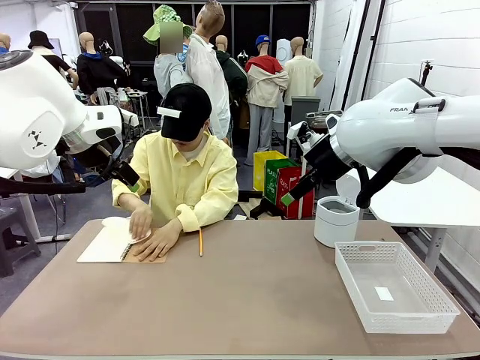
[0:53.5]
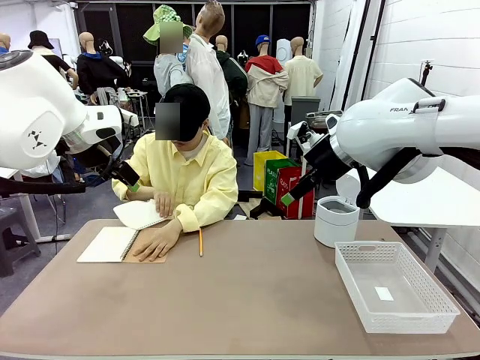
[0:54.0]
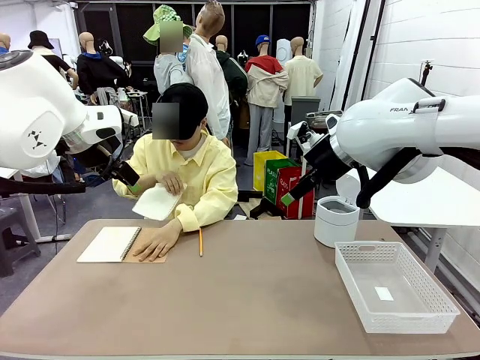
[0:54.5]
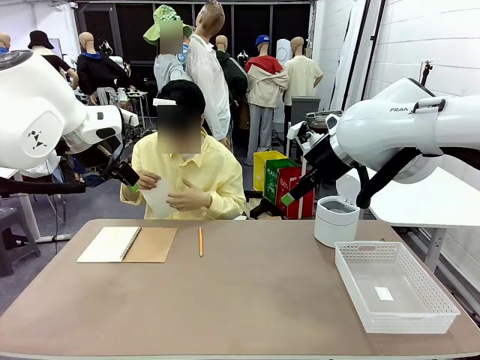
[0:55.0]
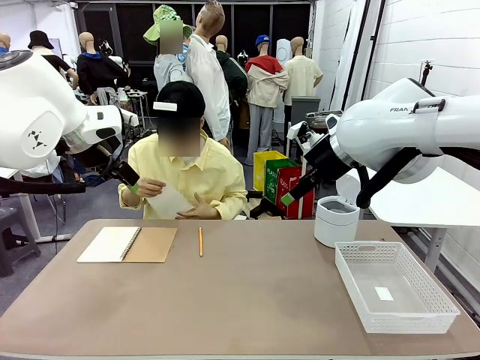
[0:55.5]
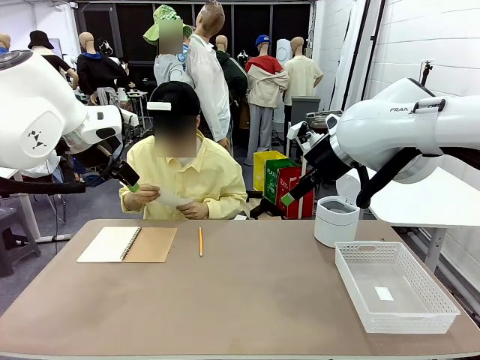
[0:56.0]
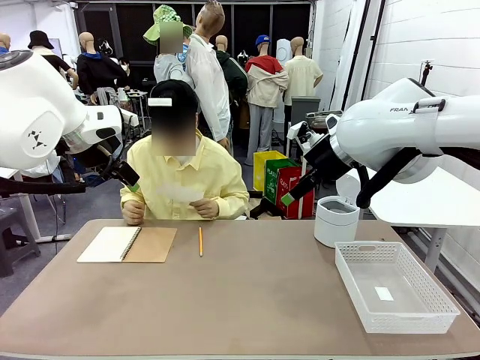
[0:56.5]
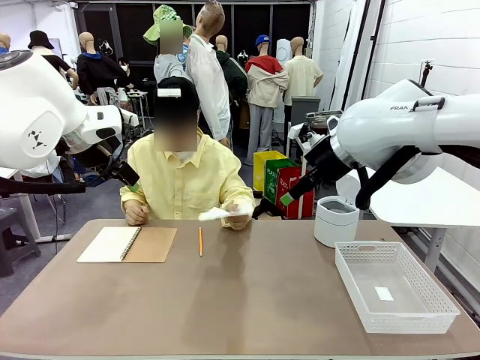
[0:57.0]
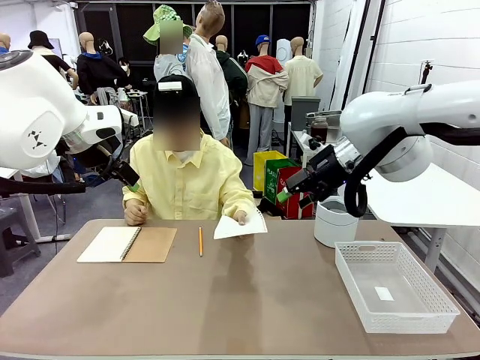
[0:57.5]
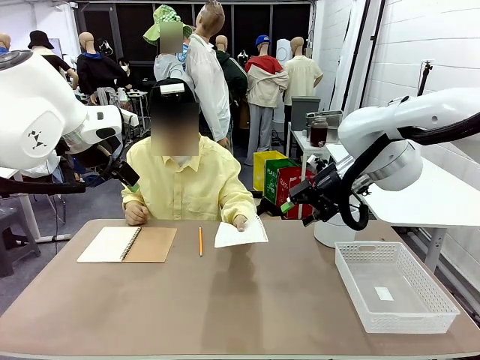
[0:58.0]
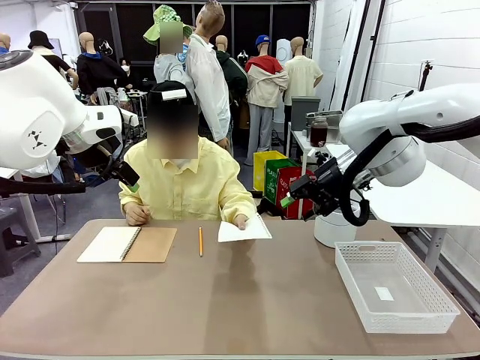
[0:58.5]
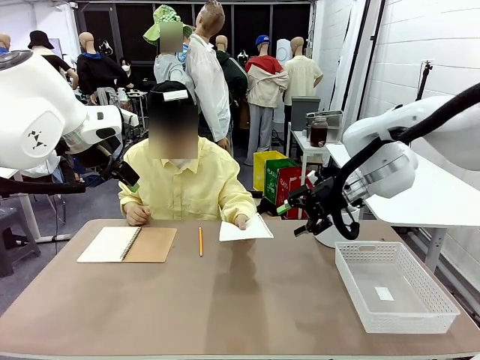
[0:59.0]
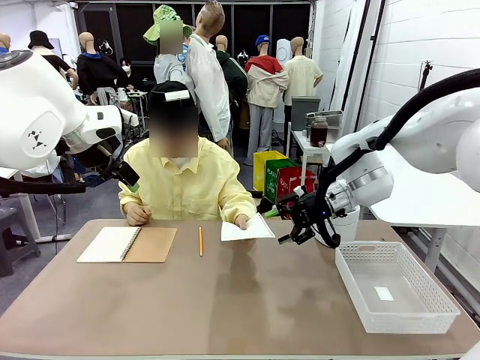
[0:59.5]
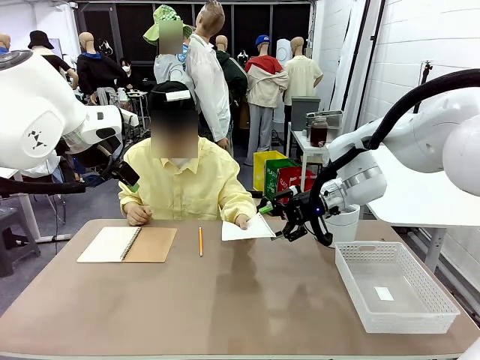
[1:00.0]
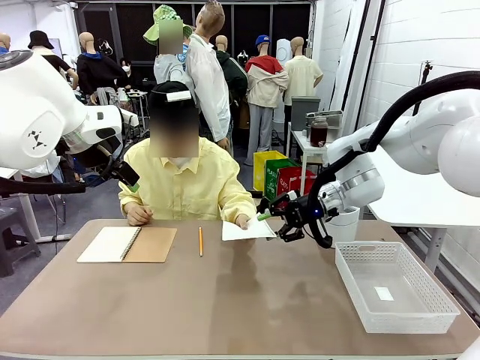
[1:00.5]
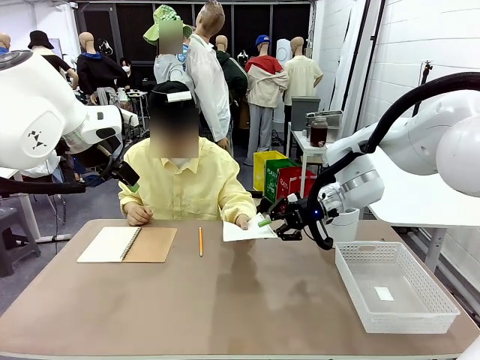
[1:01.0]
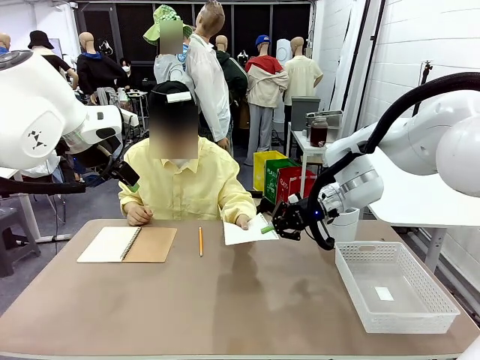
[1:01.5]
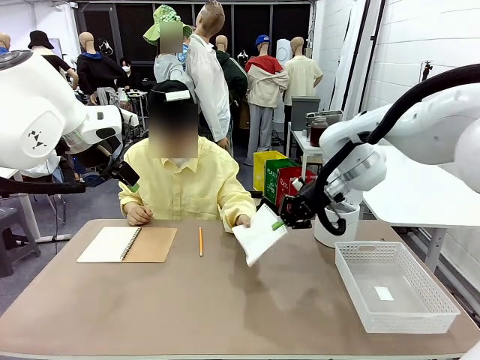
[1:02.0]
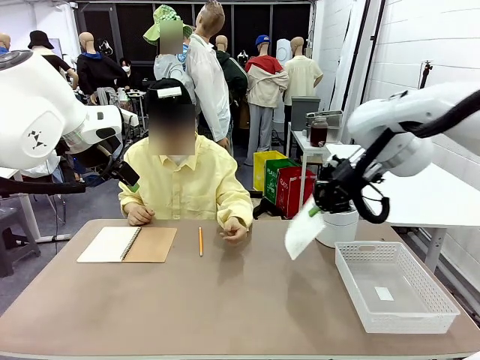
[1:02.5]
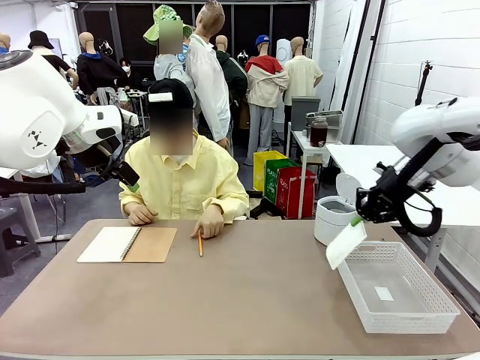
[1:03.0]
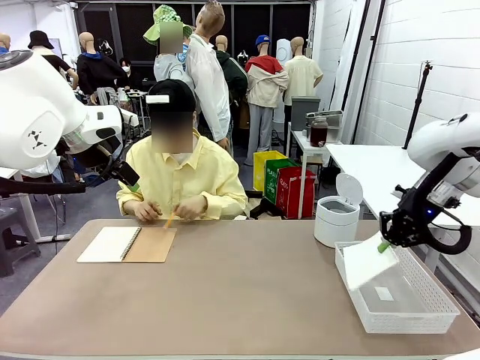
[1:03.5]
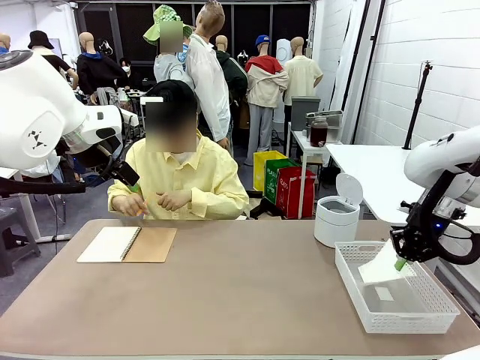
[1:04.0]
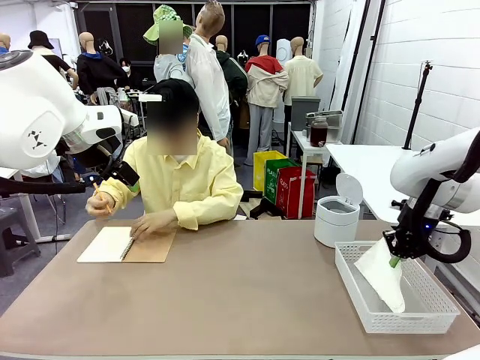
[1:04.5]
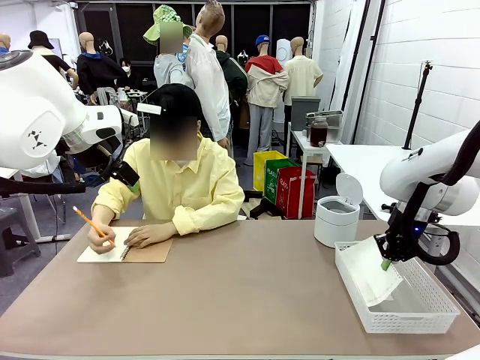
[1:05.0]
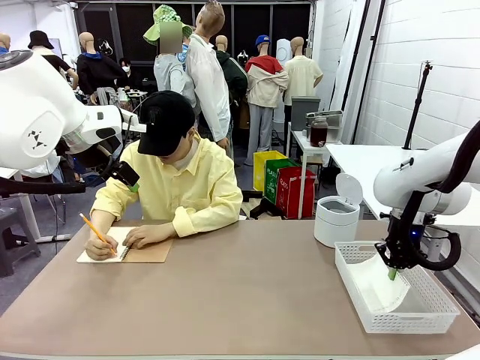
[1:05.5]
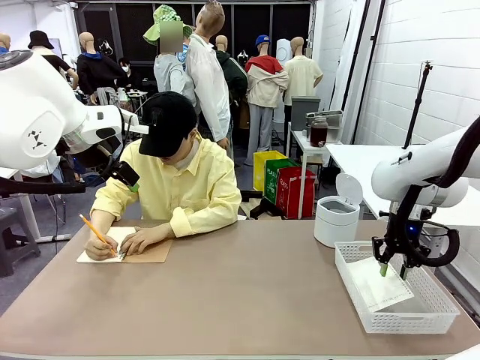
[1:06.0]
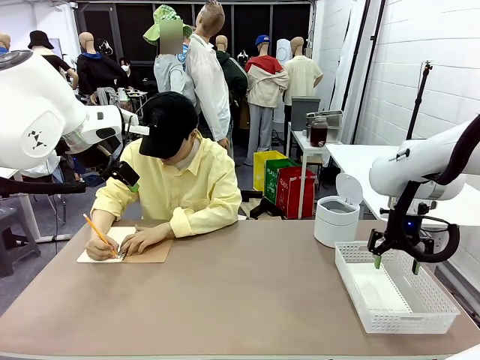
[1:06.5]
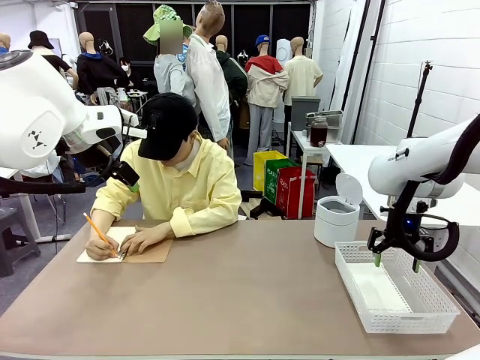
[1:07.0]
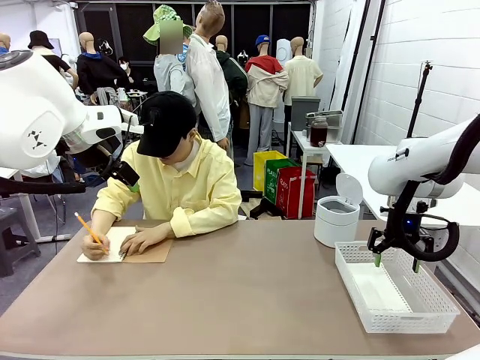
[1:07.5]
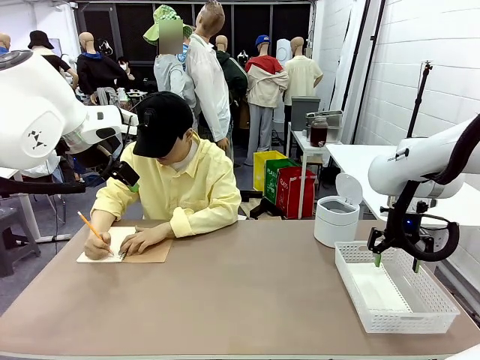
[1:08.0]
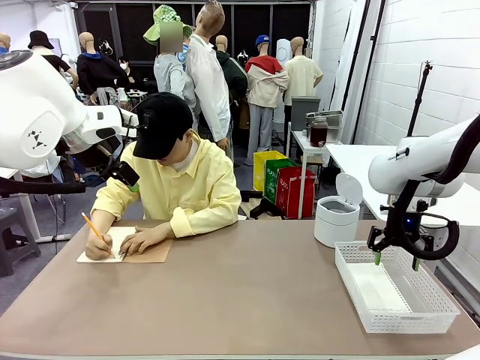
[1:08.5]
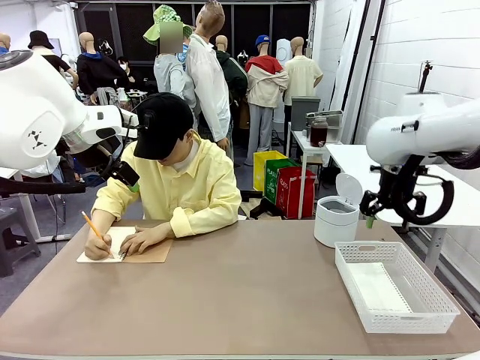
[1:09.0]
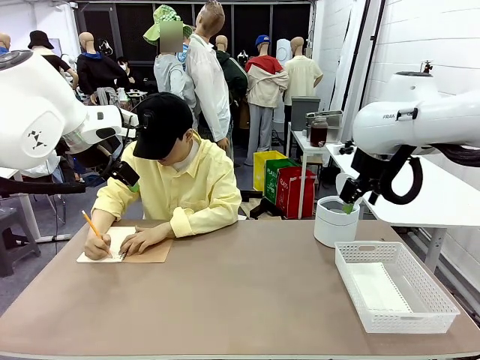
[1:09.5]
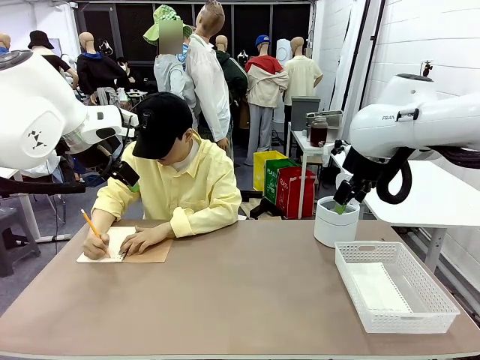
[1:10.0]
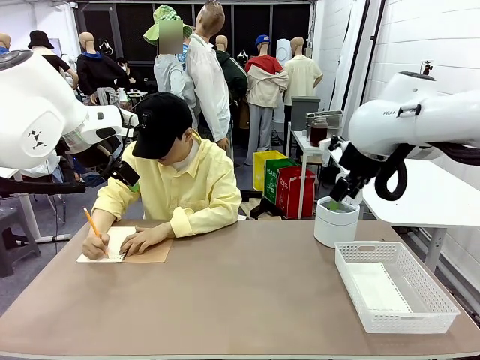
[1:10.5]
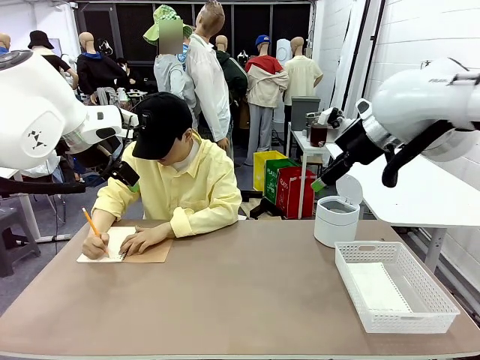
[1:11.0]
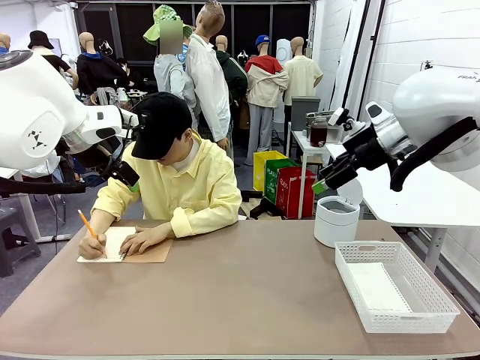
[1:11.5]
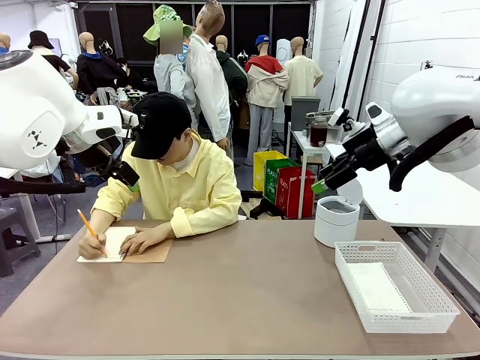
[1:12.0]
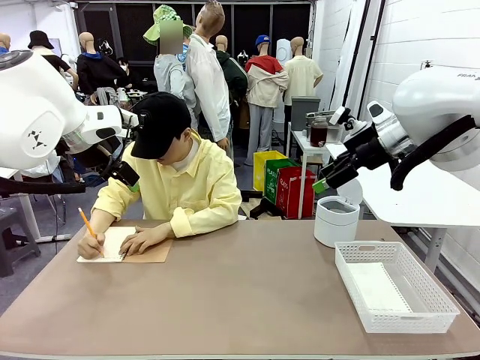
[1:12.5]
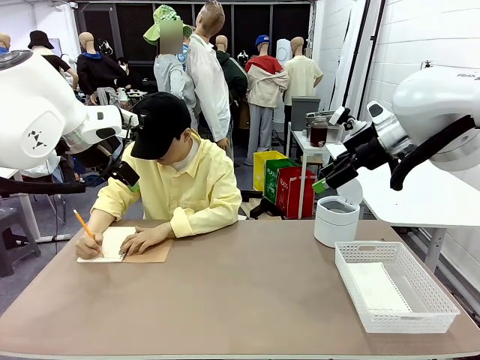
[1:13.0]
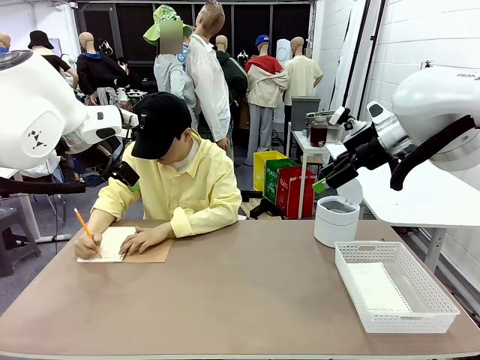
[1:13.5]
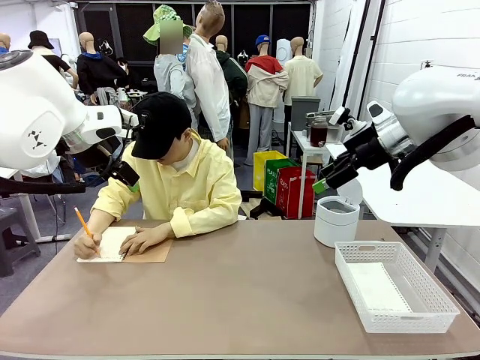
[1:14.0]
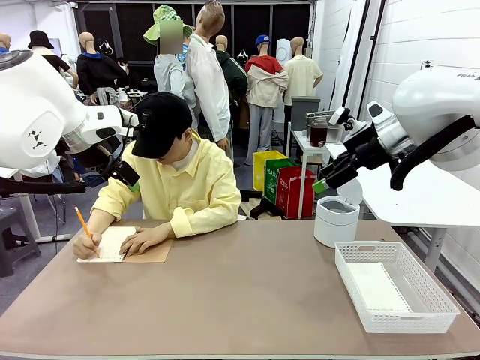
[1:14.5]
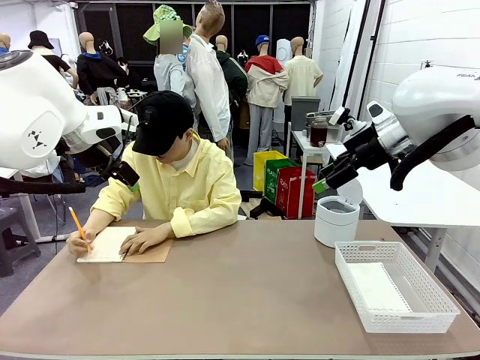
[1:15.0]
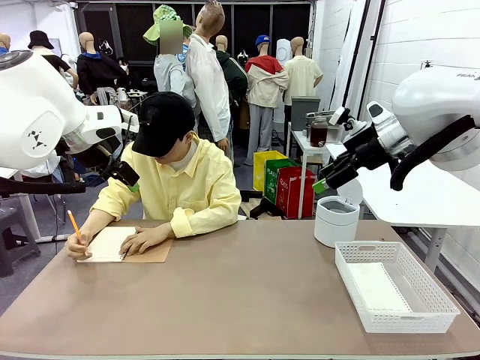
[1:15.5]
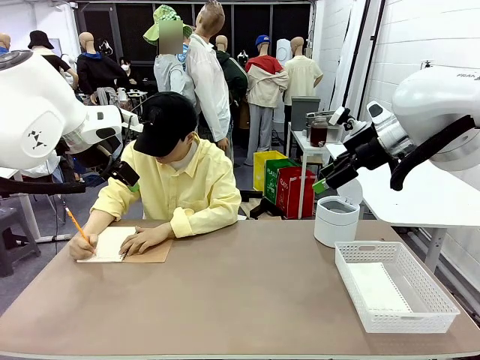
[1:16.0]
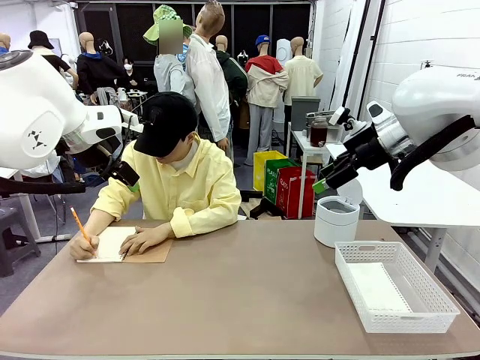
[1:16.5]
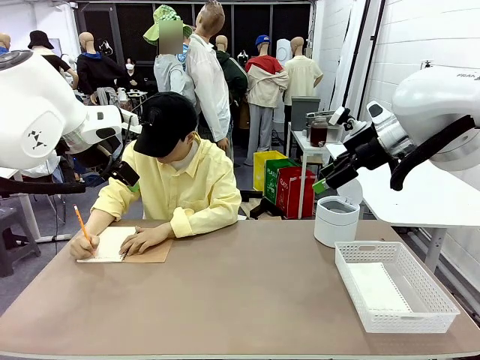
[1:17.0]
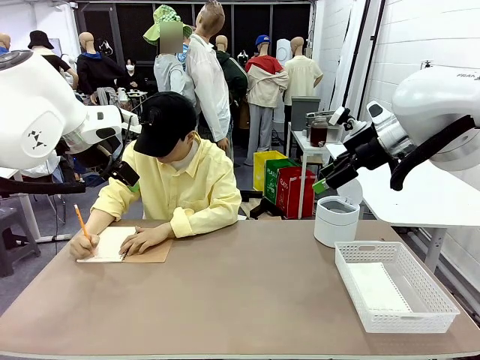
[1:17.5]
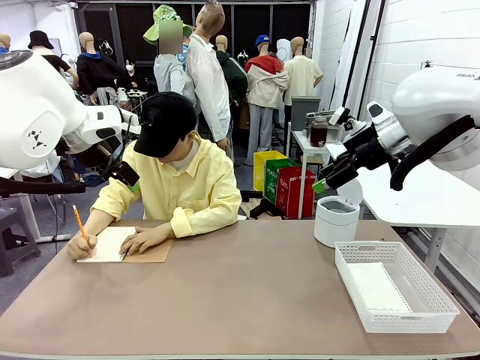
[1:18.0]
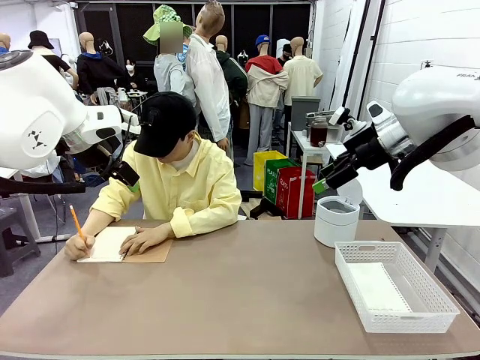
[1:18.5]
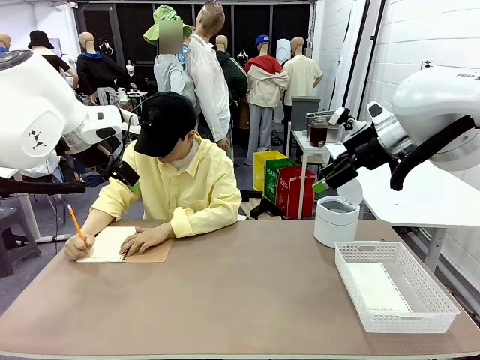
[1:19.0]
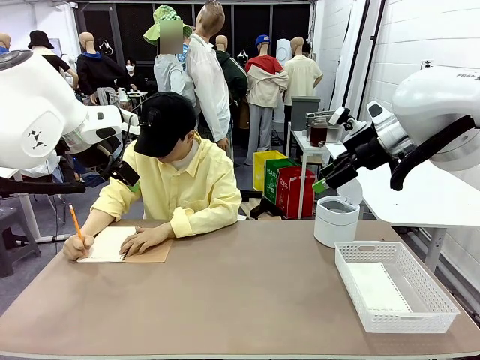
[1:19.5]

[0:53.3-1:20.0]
Task: Sort the paper based on its condition.
Robot: If a person hands you a paper, place it in the Organizing basket , and if it's crumpled, put it in the Trash can.
Person: Hand the torn page to the robot or crumple it and throw it to the center of the table. Tear out a page from the spiral notebook.
